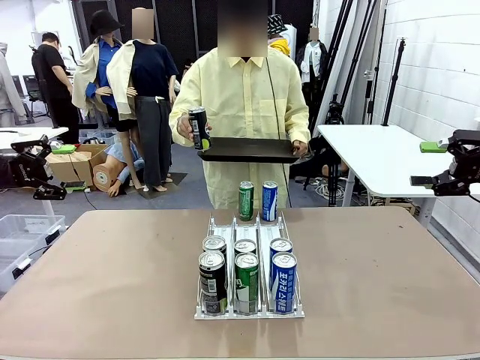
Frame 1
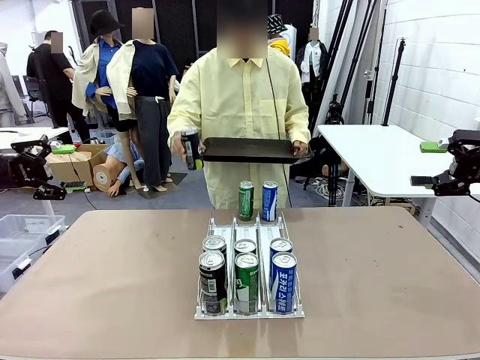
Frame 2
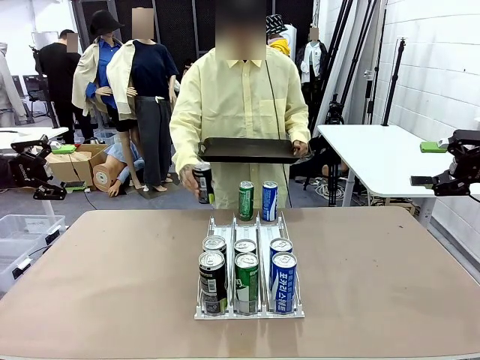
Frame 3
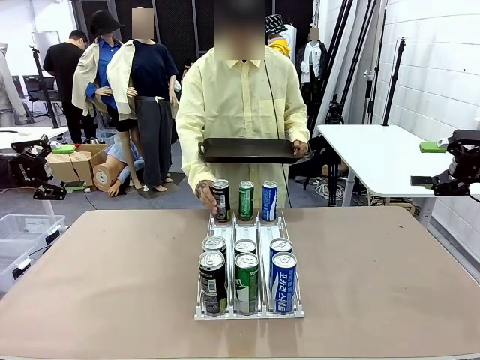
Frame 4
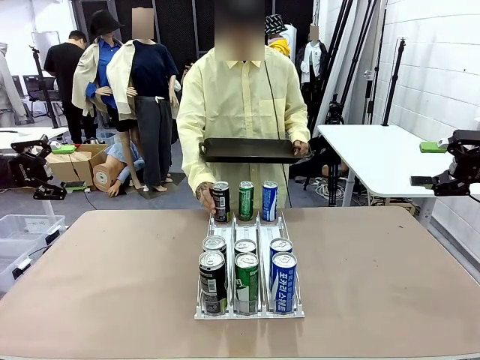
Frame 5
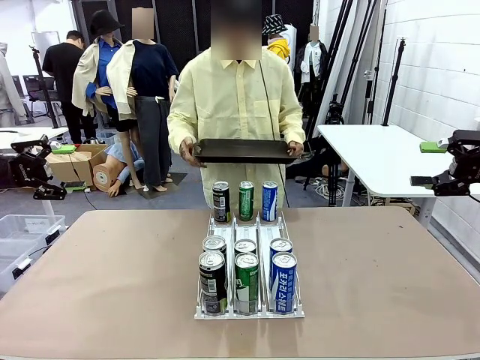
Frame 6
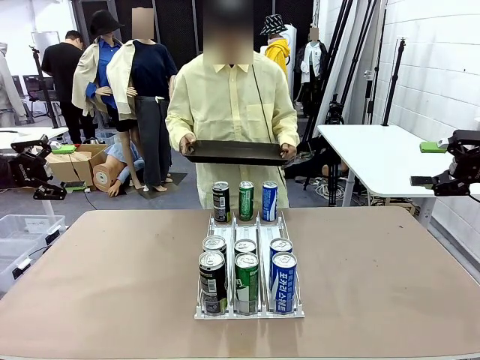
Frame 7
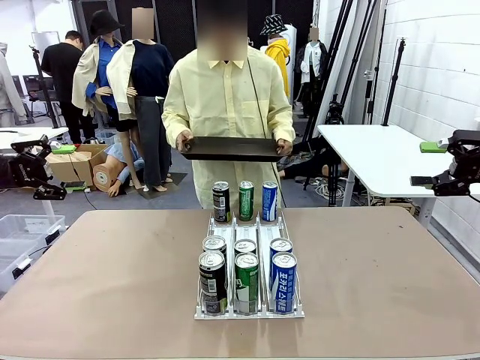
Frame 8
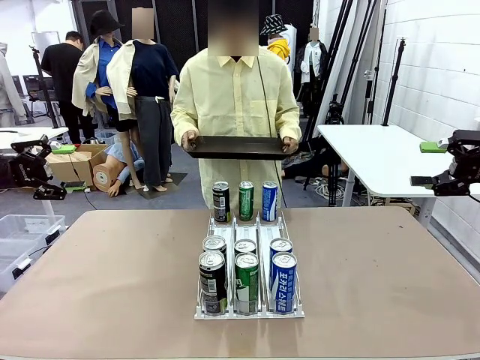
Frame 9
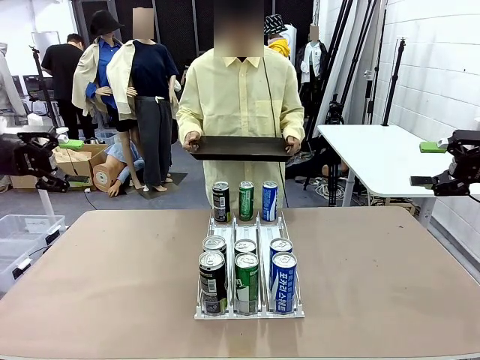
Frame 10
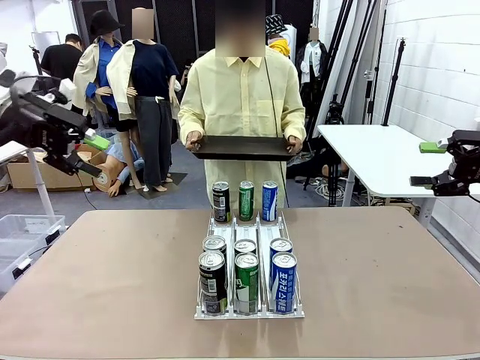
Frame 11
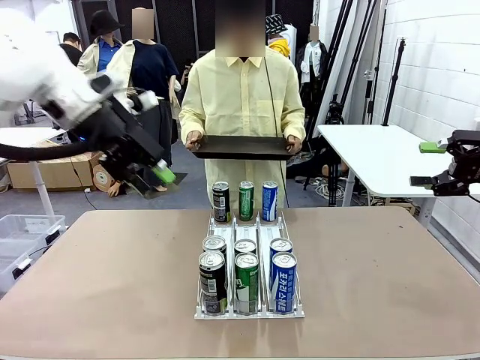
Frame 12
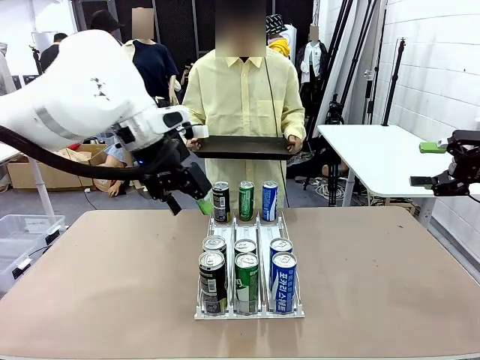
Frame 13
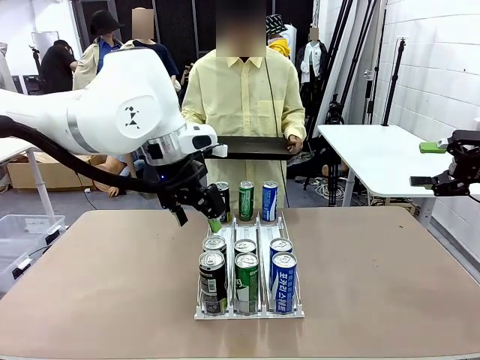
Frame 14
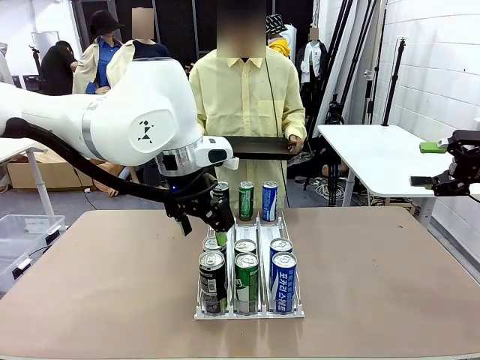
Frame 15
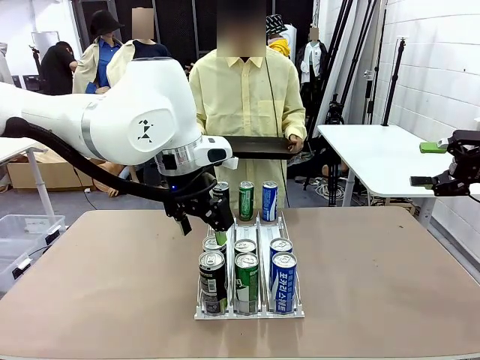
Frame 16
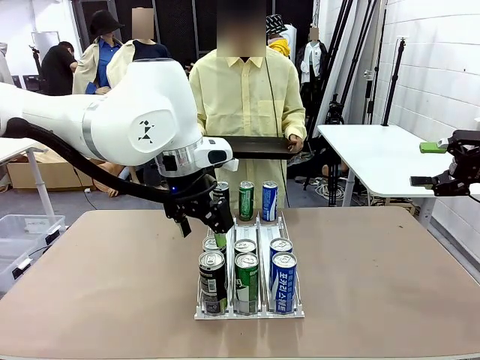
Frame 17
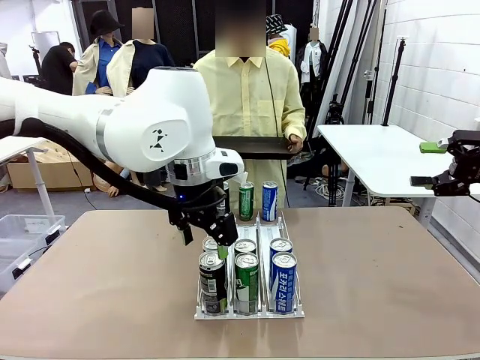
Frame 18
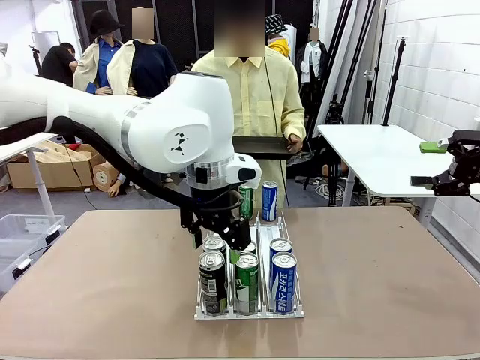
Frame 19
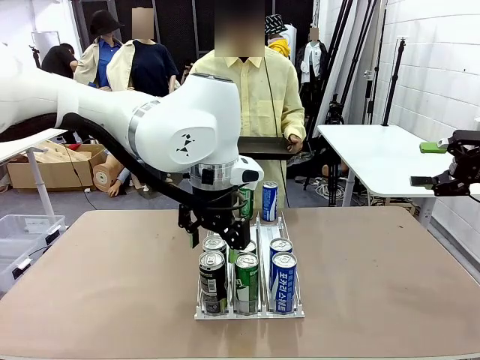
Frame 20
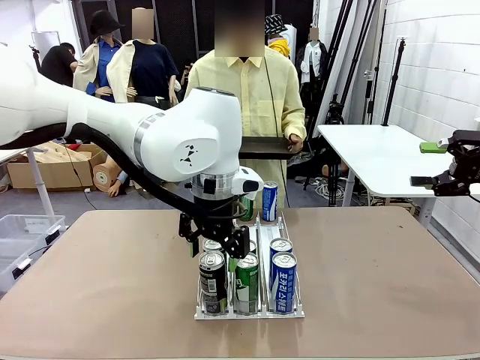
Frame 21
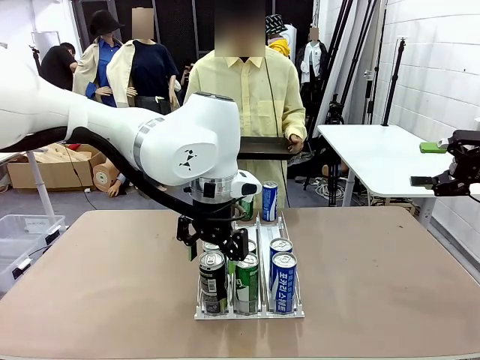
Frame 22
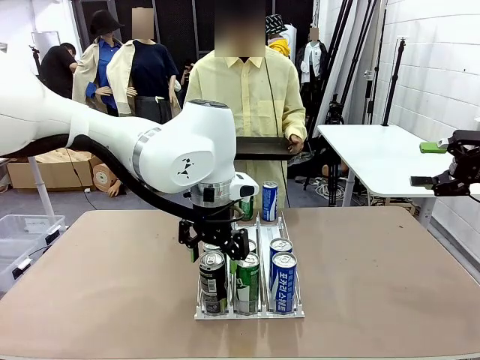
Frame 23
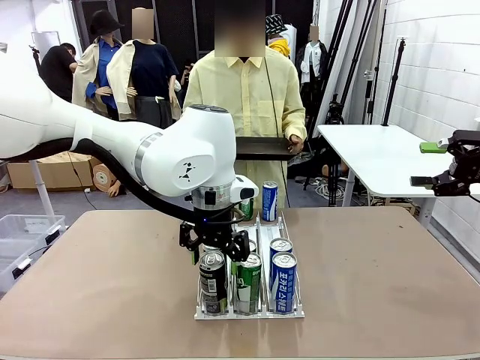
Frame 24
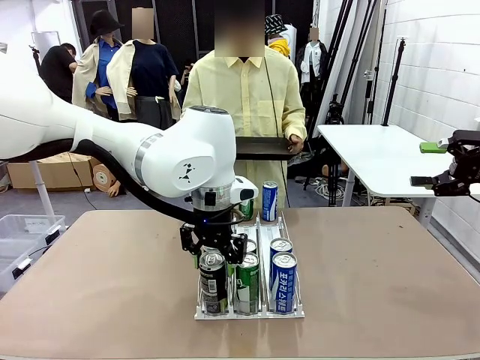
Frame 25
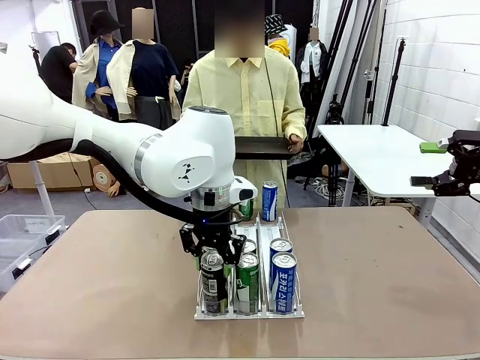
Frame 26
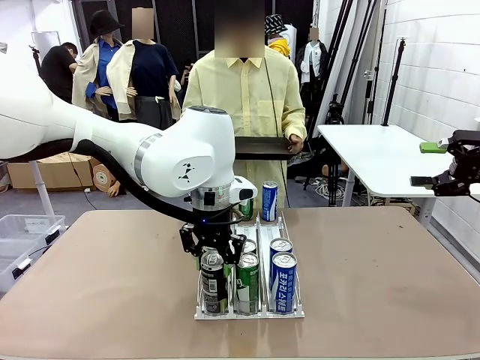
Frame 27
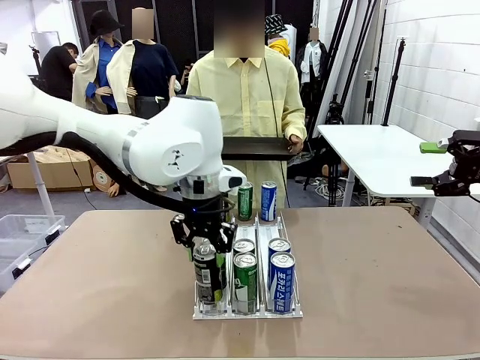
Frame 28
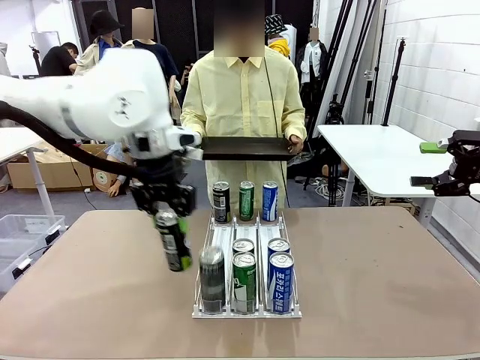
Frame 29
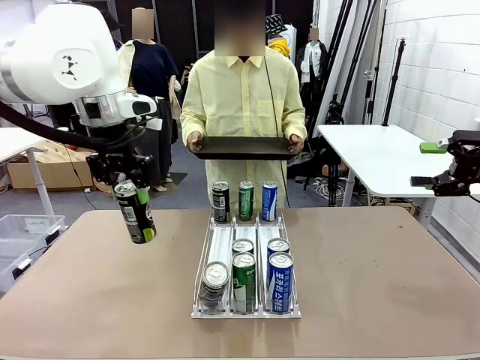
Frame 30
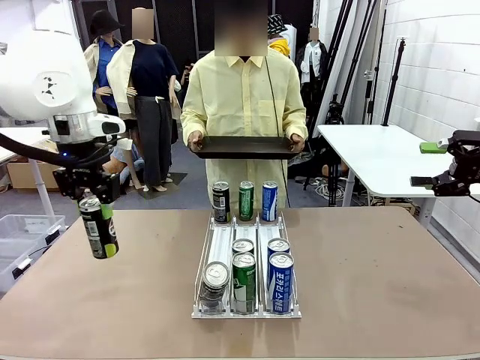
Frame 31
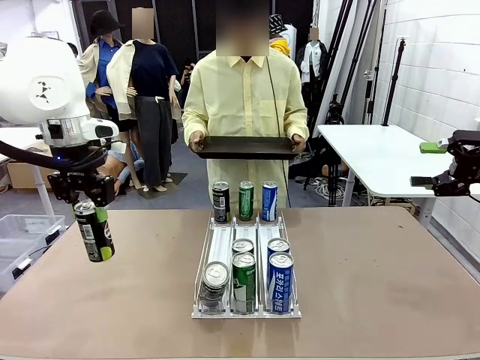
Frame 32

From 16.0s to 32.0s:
Task: Retrieve and hand over the desired beverage to the person.
Robot: Pick up a can of the same type that the person held from the Automatic Can Dispenser.
Person: Push the tray toward the robot.

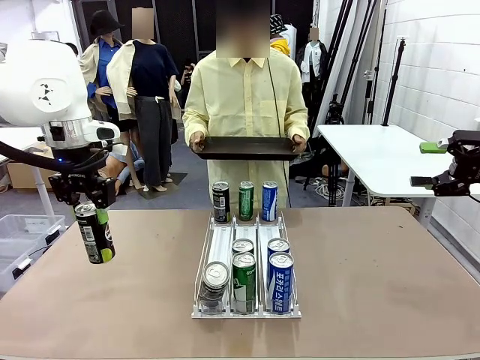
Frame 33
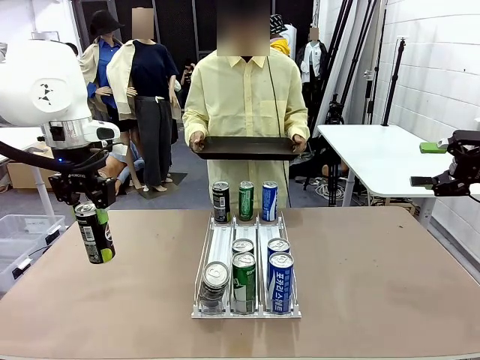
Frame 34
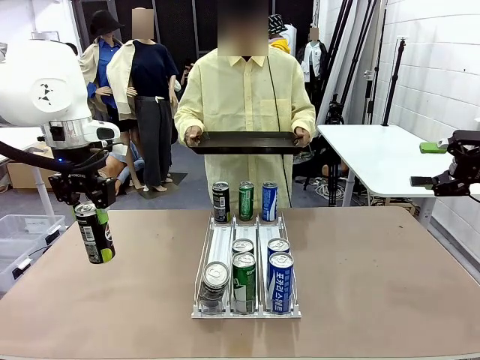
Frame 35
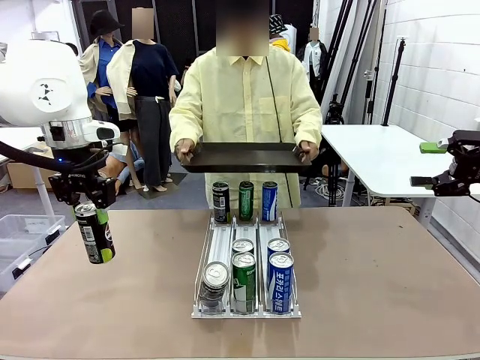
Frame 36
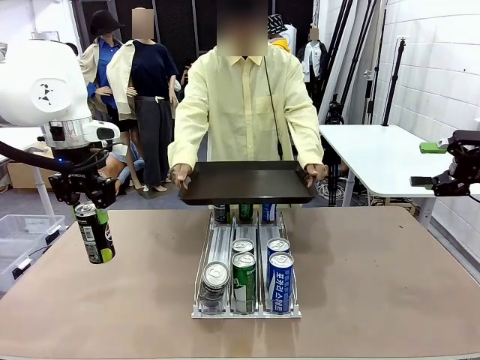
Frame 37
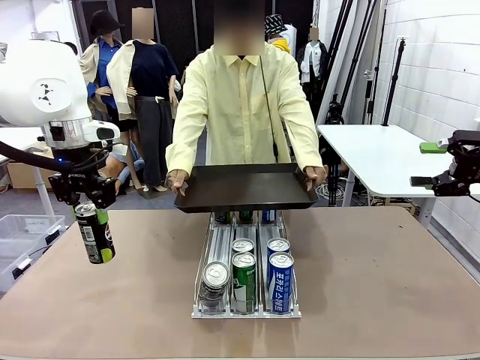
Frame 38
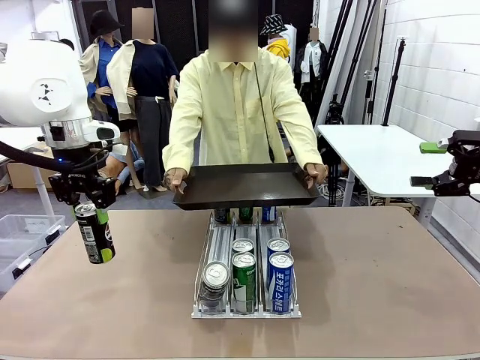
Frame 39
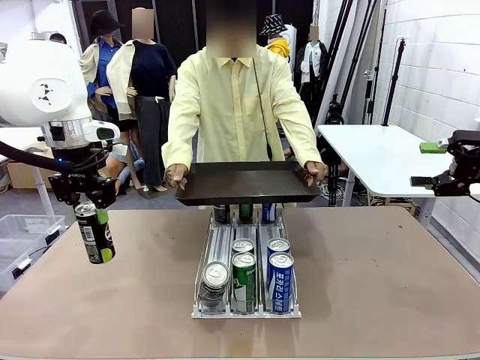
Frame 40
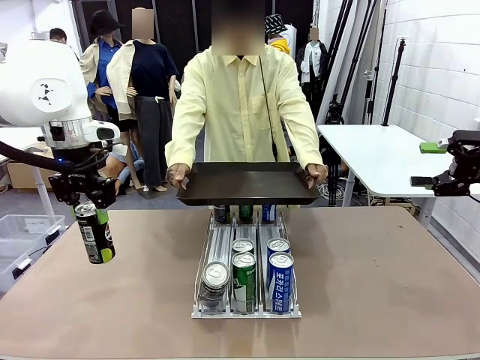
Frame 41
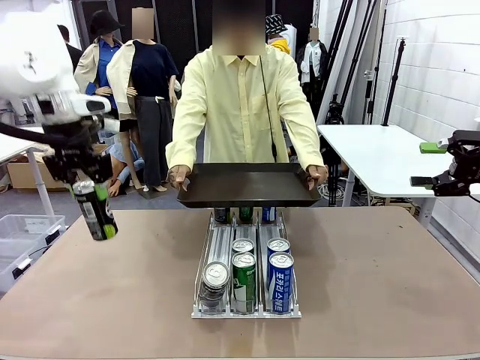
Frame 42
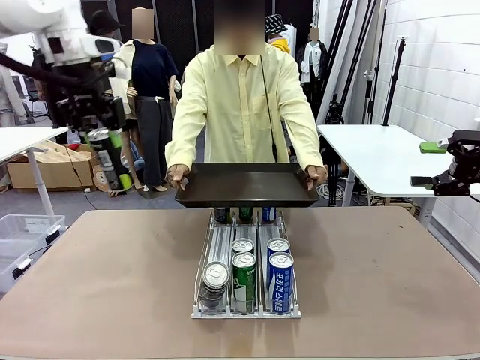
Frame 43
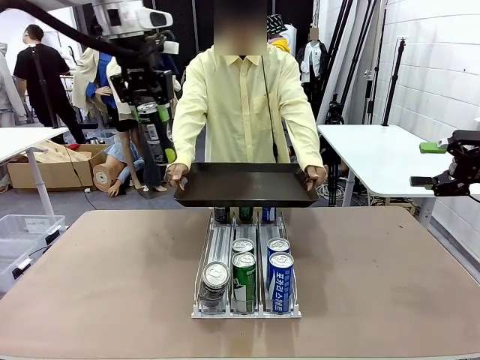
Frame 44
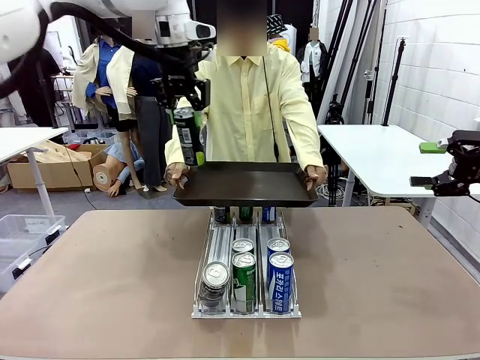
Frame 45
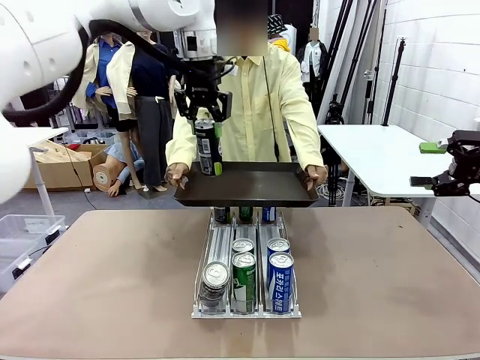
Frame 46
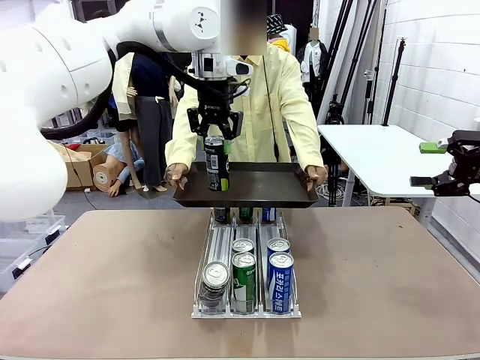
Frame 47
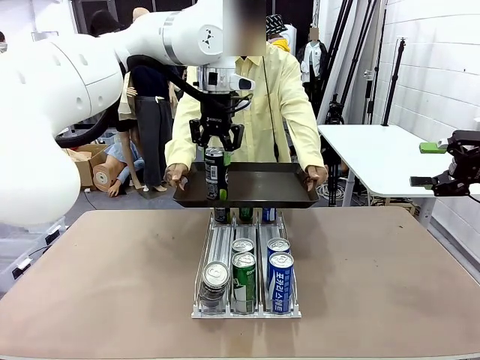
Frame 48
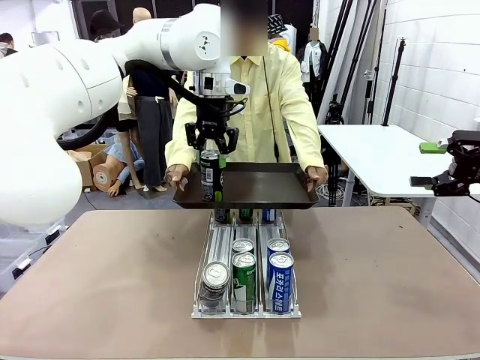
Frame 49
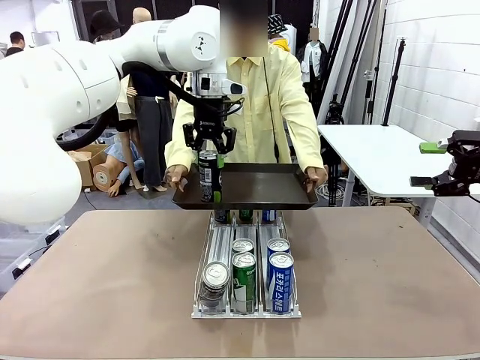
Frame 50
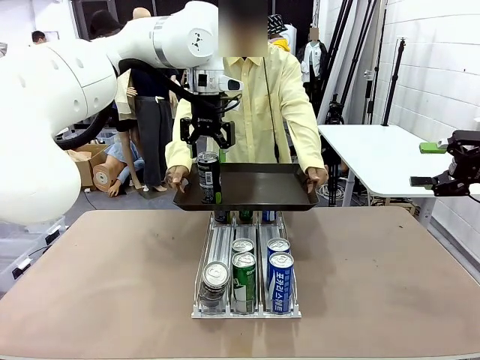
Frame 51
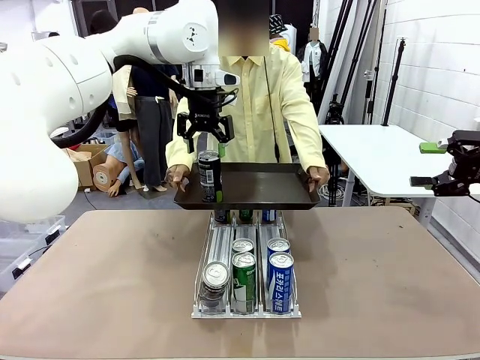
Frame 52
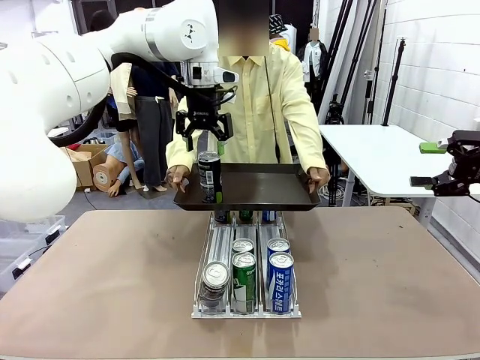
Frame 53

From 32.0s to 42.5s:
Robot: Place the picked can on the Handle tray extended by the person.
